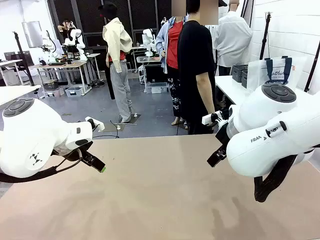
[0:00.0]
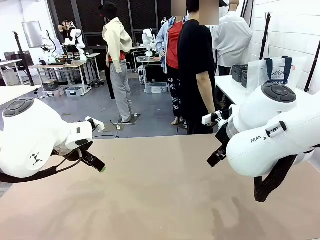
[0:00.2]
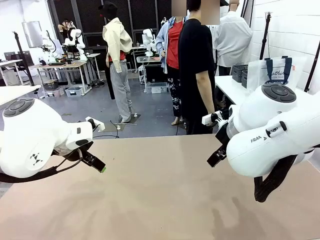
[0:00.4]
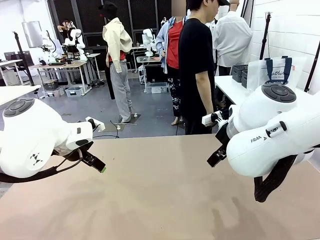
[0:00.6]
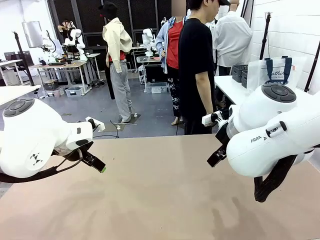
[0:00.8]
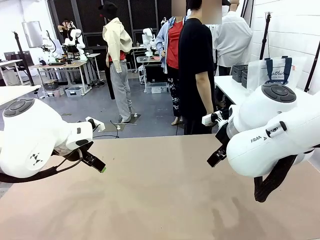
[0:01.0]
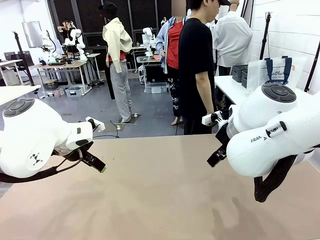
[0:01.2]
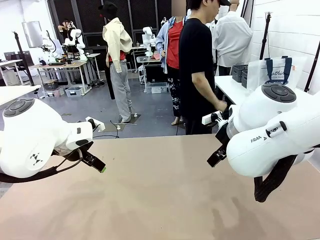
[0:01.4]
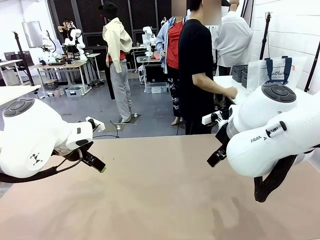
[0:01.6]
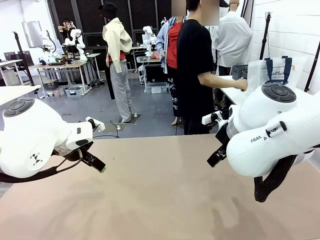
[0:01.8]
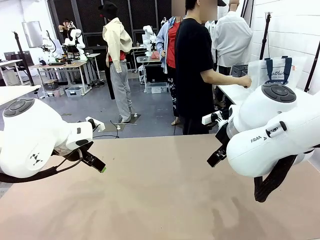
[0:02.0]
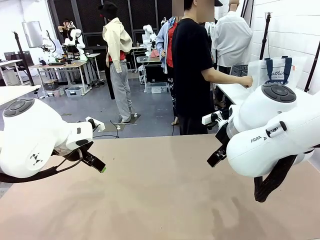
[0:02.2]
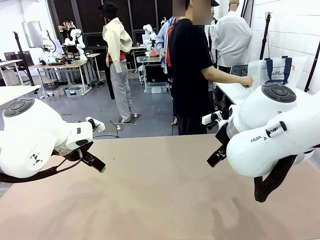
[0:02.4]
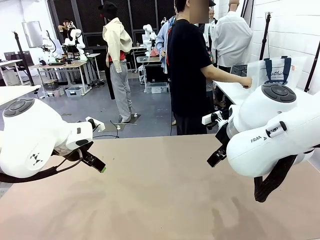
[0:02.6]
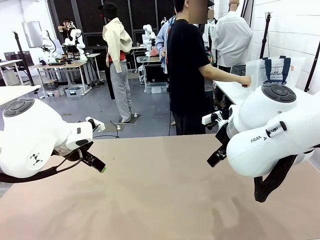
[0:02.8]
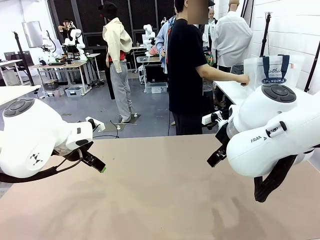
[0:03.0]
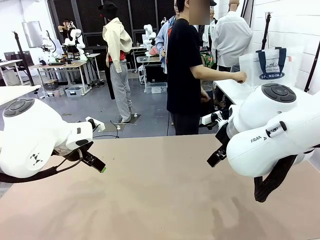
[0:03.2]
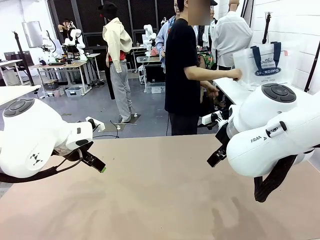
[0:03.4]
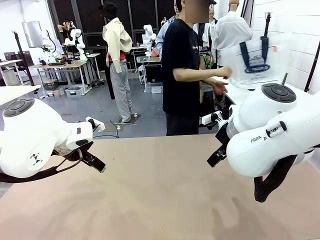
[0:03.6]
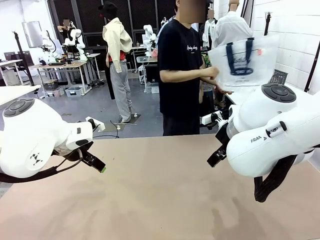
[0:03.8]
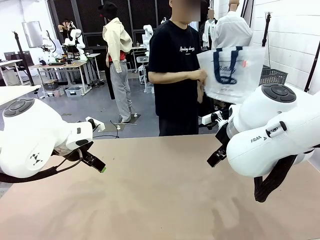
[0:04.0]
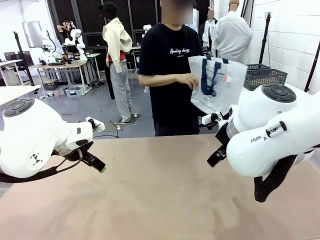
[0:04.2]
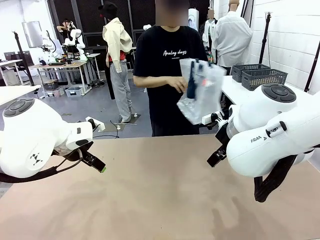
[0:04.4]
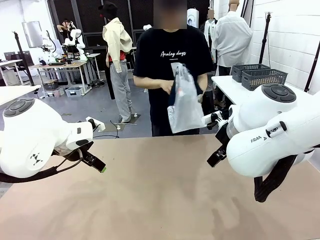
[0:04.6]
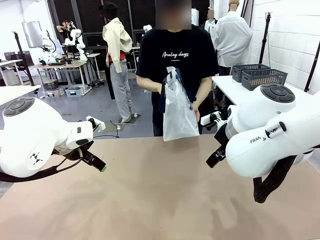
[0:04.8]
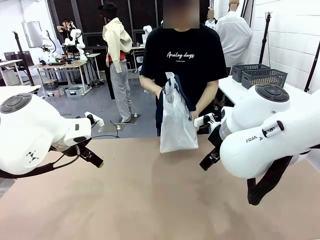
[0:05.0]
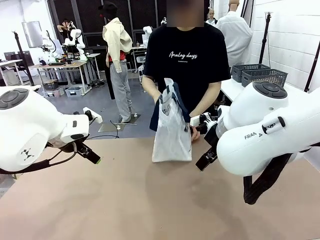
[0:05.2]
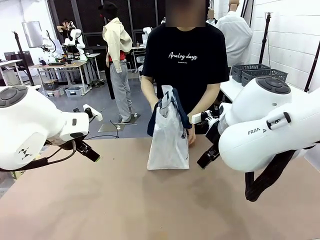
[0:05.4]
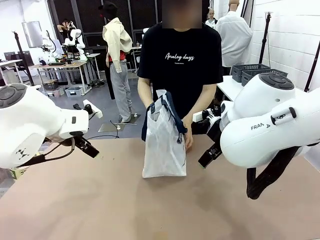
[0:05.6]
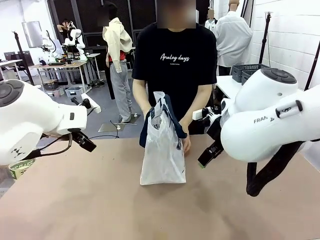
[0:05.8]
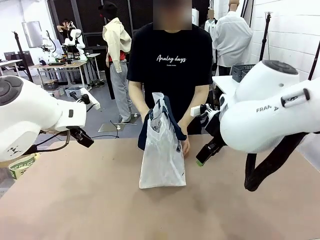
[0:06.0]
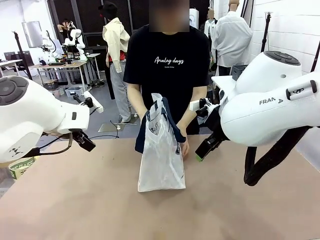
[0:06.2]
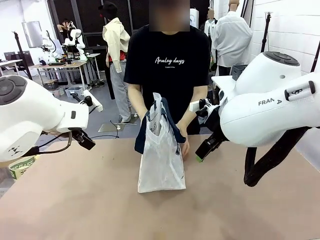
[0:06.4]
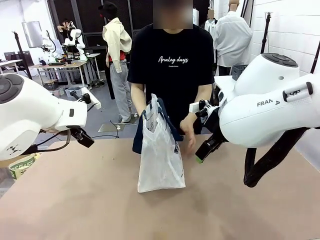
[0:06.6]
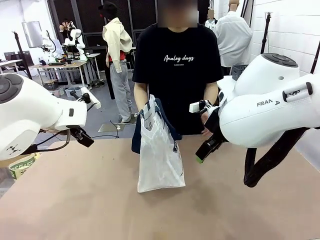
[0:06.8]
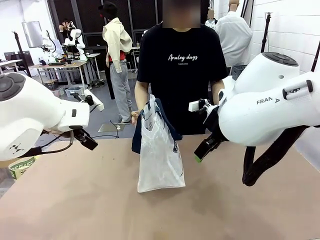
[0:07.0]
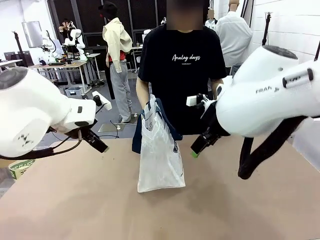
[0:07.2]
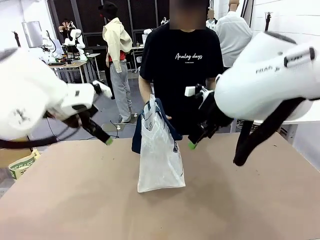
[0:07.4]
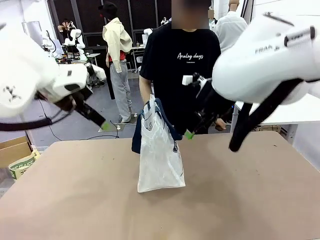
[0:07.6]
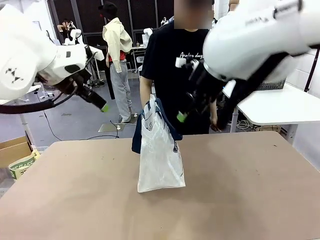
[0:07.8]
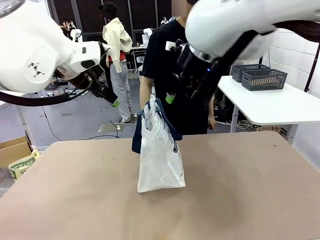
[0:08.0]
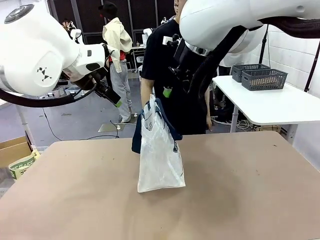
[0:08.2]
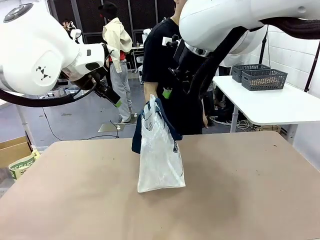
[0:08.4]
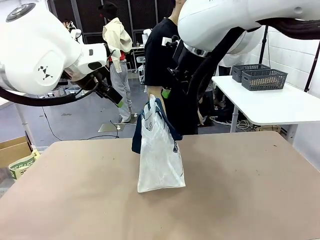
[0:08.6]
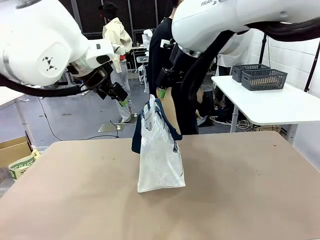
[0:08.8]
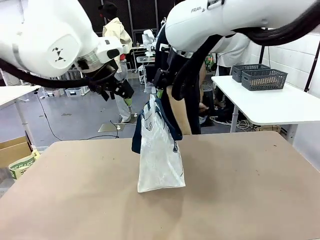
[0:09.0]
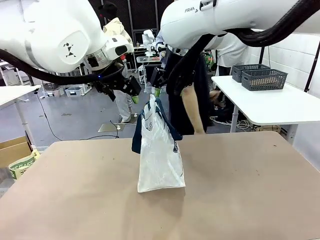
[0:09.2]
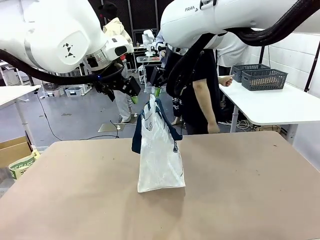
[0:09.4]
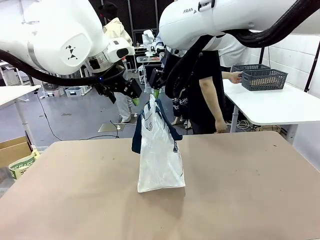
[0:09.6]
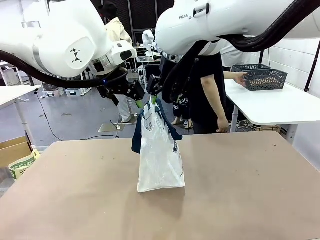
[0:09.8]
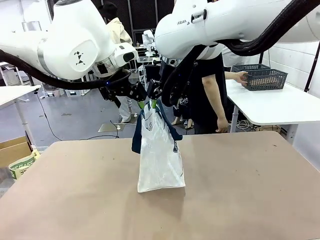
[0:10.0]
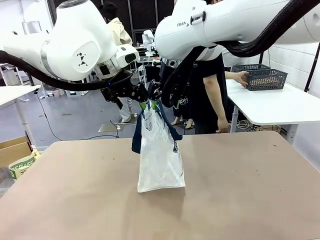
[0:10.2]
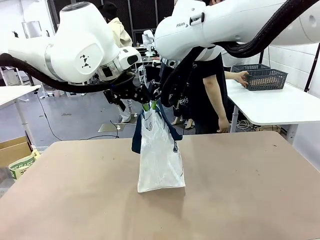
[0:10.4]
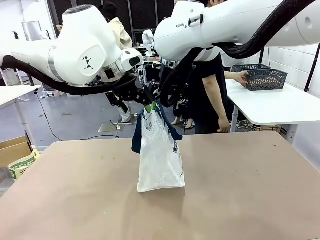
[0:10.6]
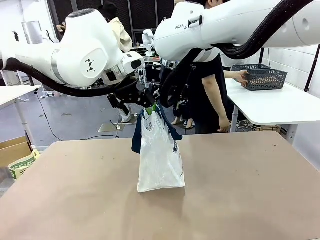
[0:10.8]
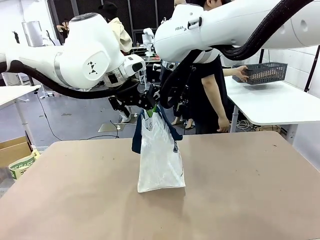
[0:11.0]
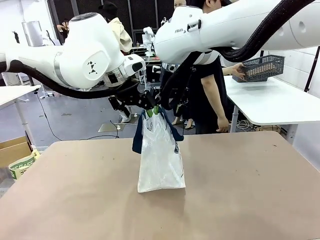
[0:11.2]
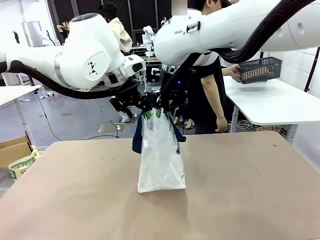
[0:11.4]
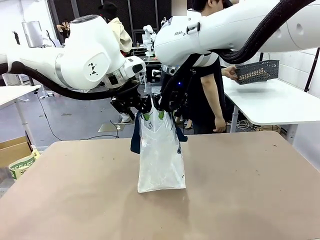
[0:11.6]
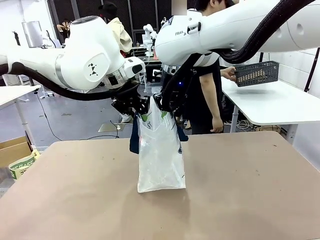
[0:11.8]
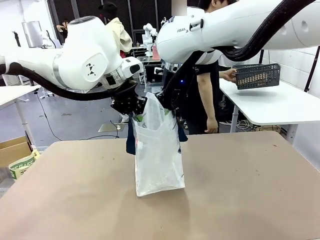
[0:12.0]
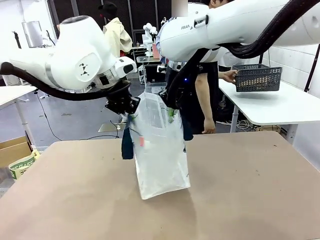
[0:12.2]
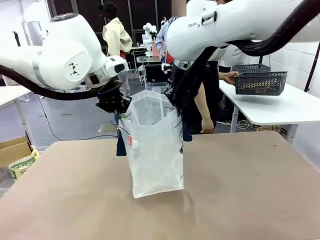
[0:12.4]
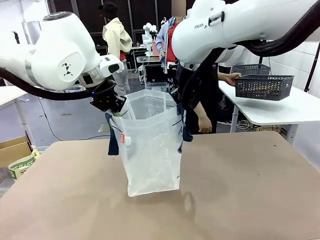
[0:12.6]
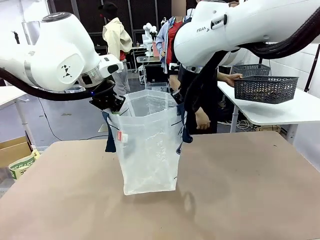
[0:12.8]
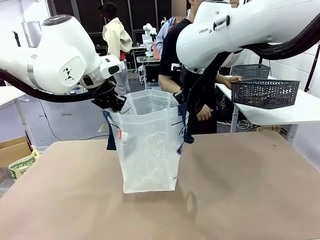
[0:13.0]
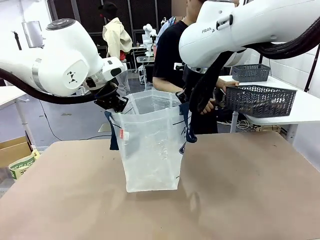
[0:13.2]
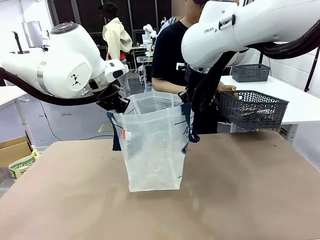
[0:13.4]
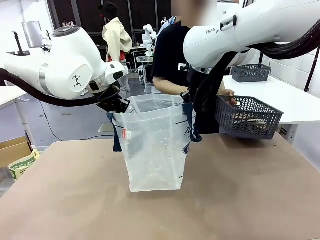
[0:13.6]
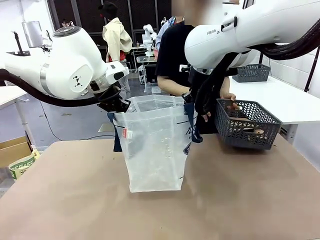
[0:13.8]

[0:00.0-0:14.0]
Task: Transfer purchased items from the store into the shopping bag.
Robot: Open the Reusable shopping bag in the center of the table.
Person: Pick up the shopping bag and place it in the middle of the robot table.
